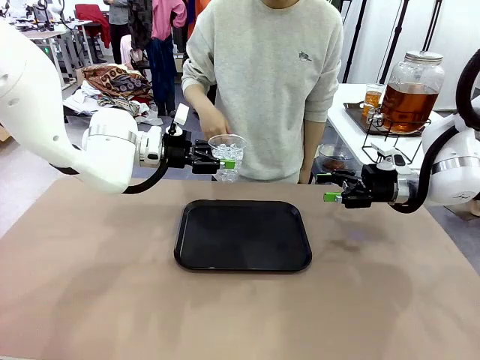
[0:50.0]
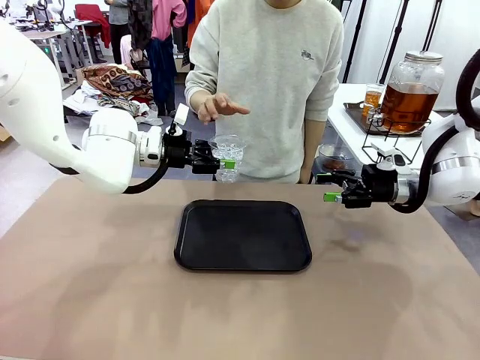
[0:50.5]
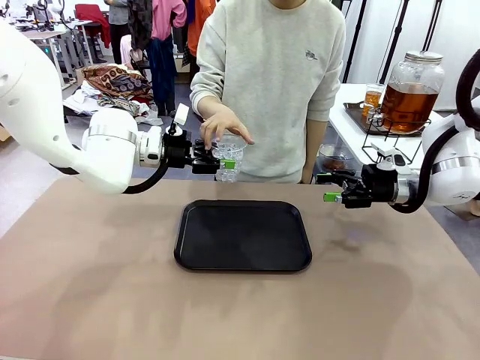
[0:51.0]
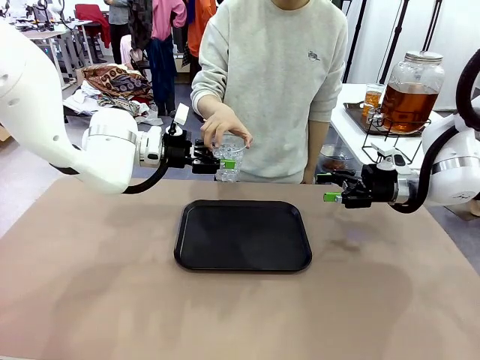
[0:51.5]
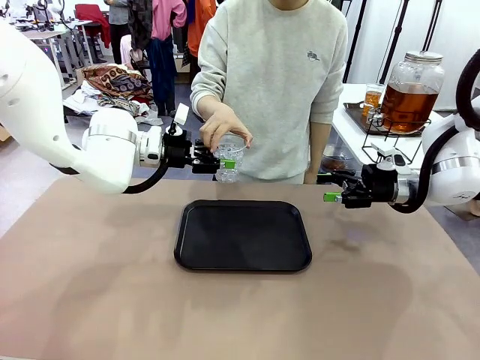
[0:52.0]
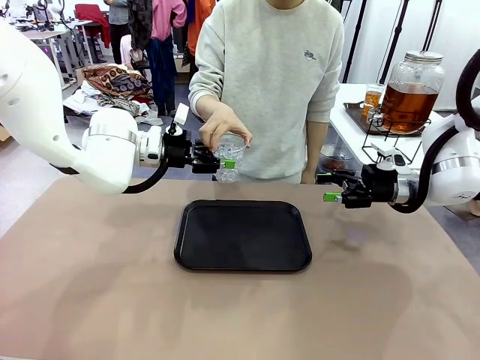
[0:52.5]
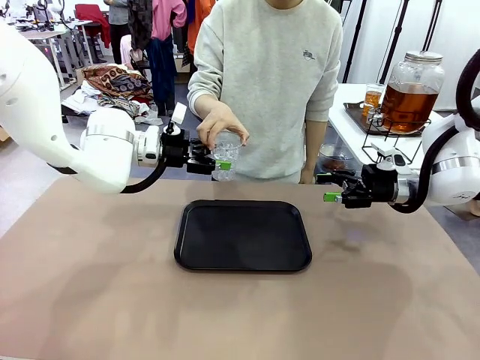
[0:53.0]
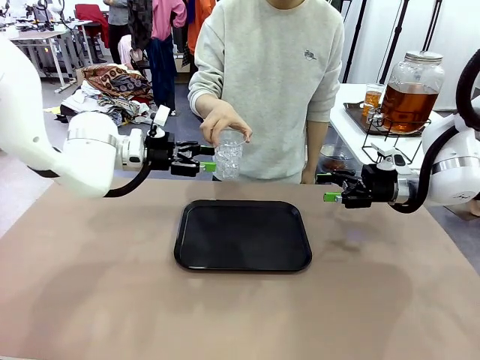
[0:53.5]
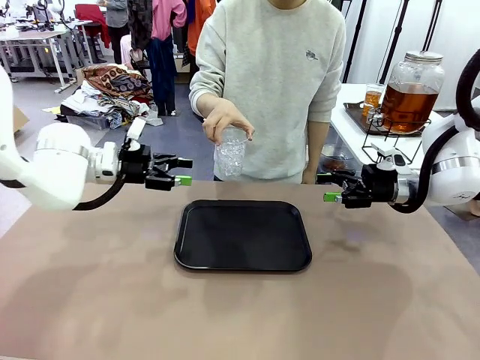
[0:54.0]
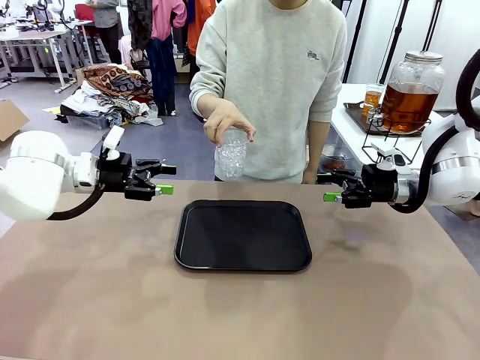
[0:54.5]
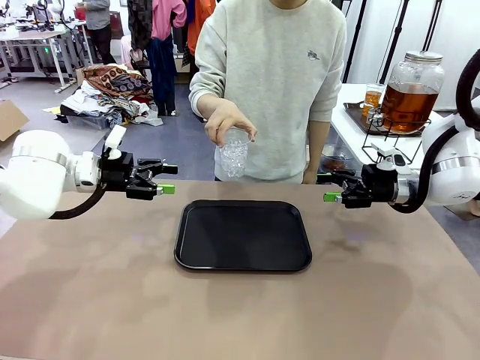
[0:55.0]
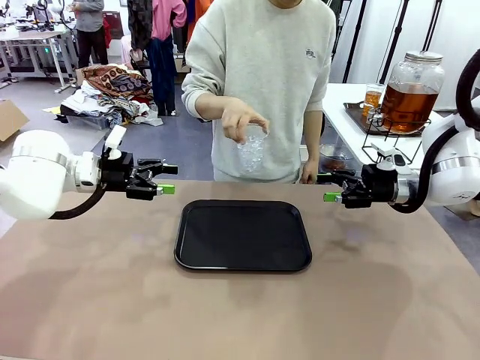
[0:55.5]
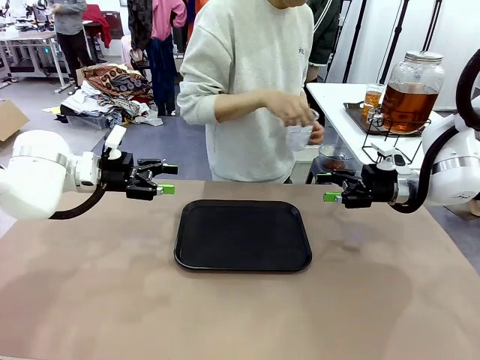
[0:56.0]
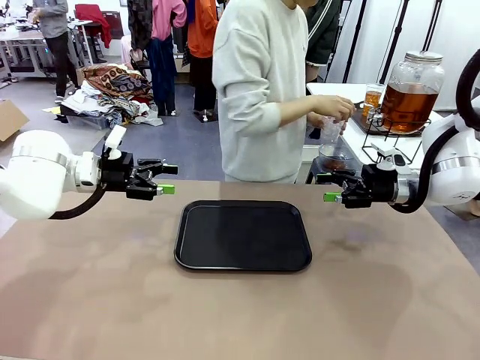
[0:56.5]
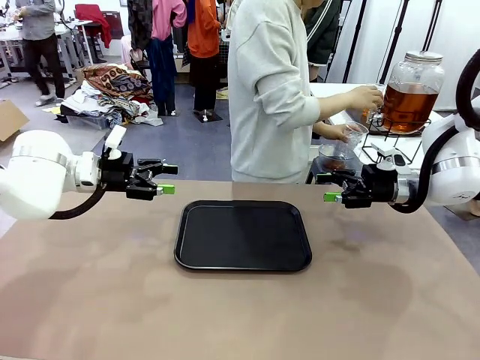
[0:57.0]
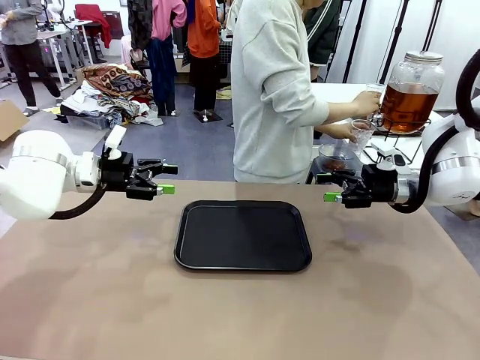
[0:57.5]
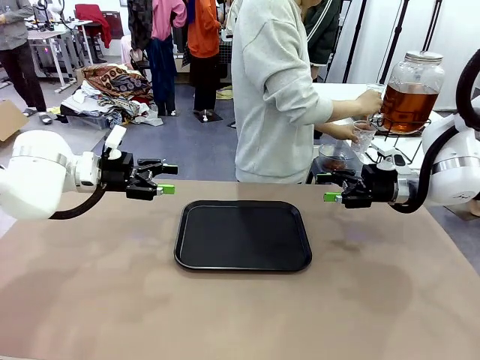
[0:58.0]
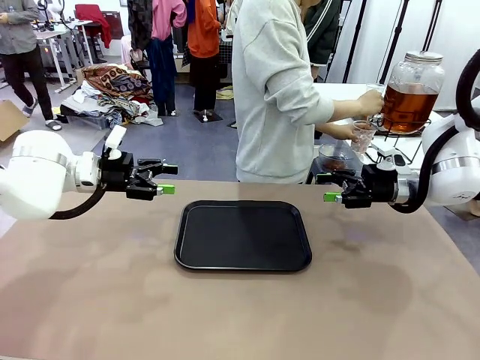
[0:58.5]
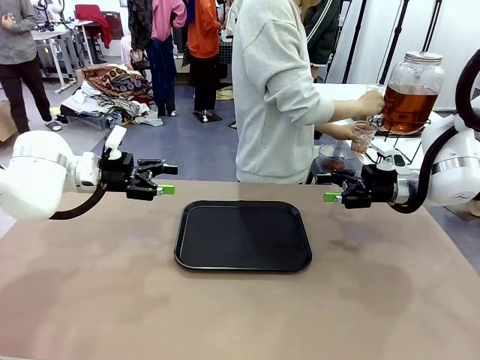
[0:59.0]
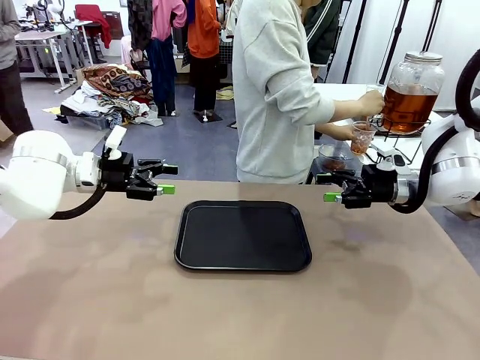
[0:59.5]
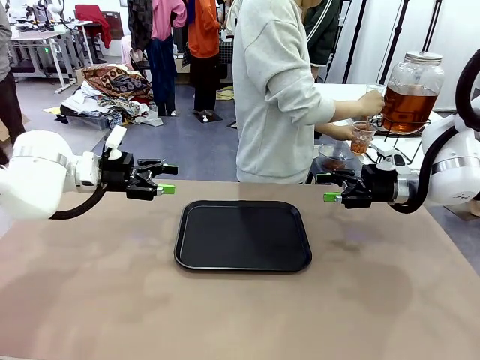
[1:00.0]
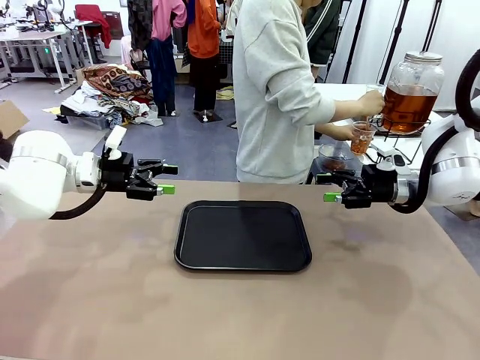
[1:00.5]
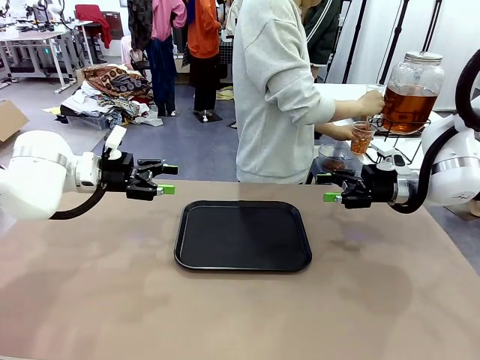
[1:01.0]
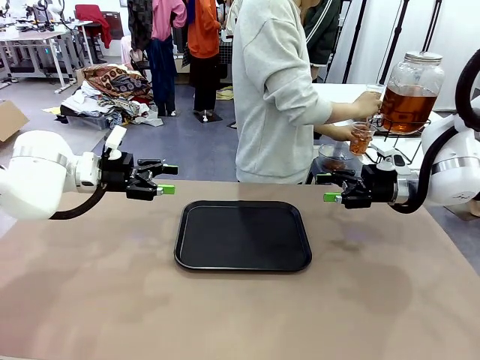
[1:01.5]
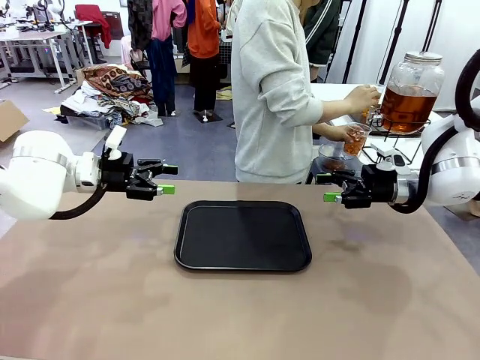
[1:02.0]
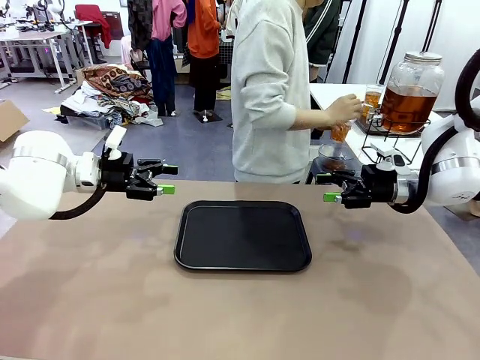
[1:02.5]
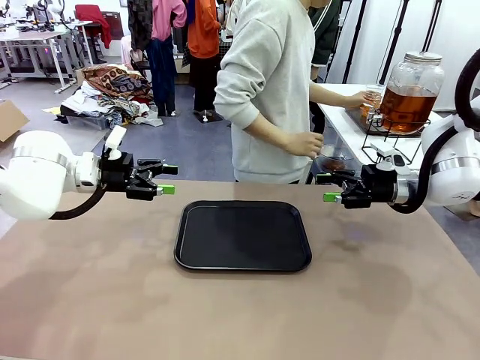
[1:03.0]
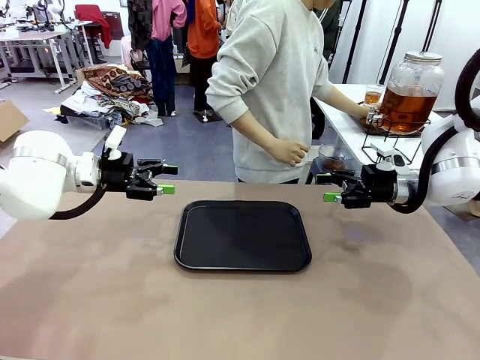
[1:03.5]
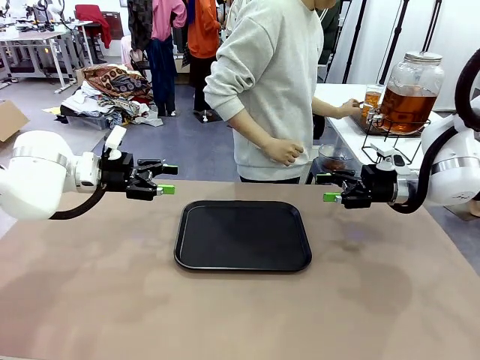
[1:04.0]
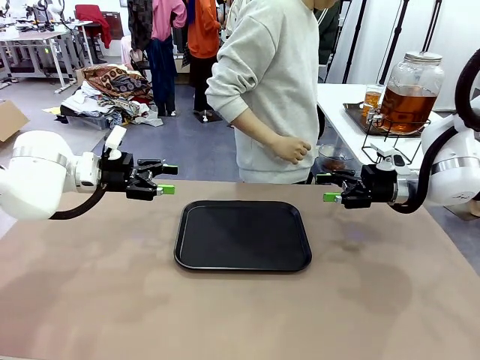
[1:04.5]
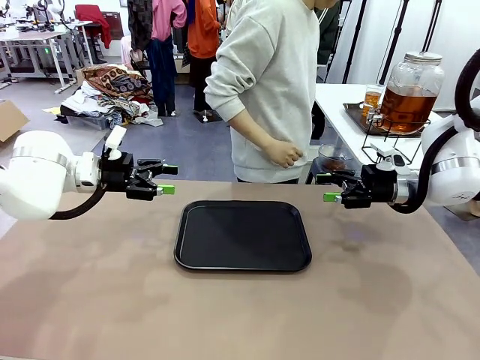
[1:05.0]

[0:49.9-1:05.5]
Task: Pour the drink into the iced cup.
Robot: Open the gripper to release the iced cup you were holding.
Person: Move the picked-up cup under the dispenser faucet, pour the drink, and place it on the tray on the human table.

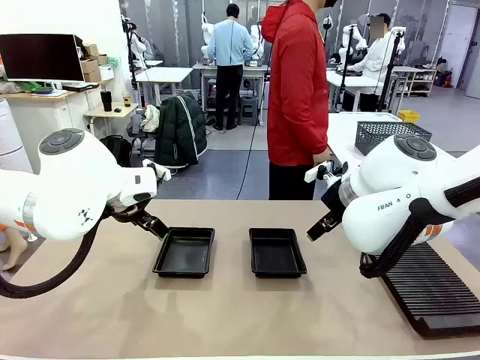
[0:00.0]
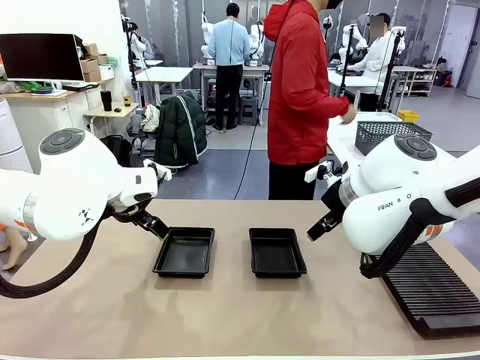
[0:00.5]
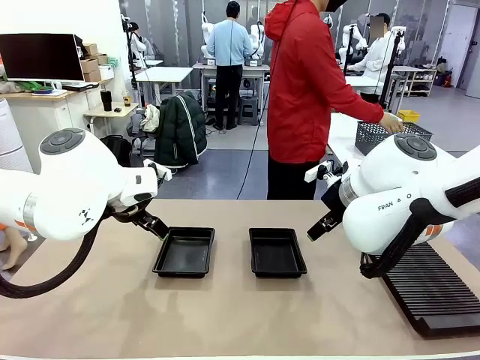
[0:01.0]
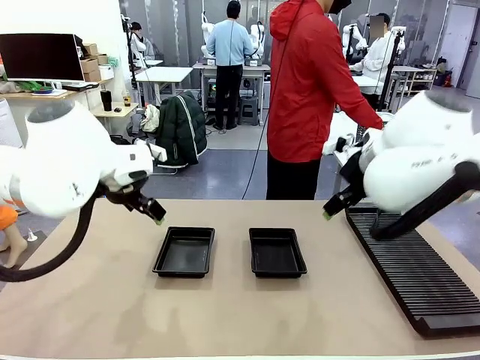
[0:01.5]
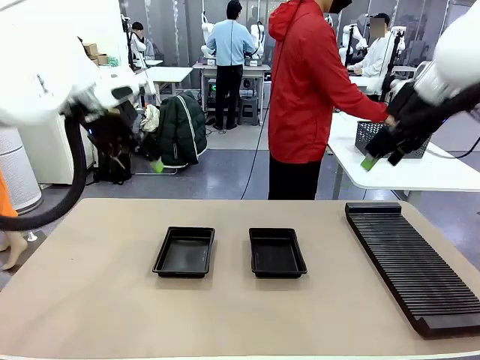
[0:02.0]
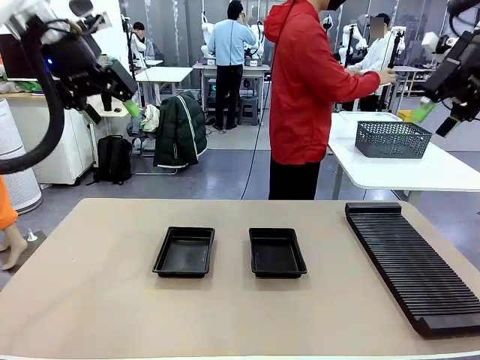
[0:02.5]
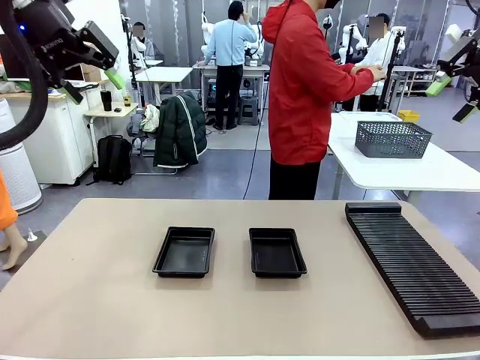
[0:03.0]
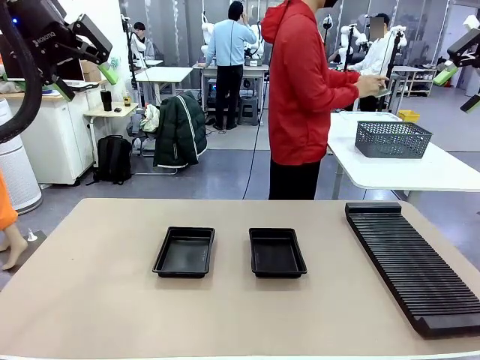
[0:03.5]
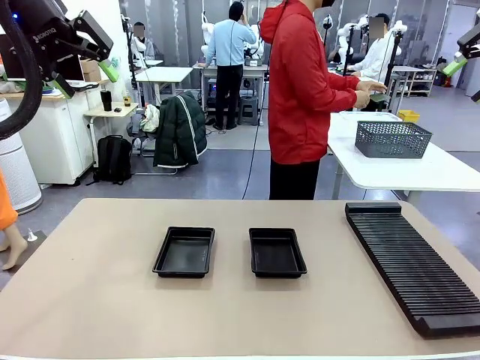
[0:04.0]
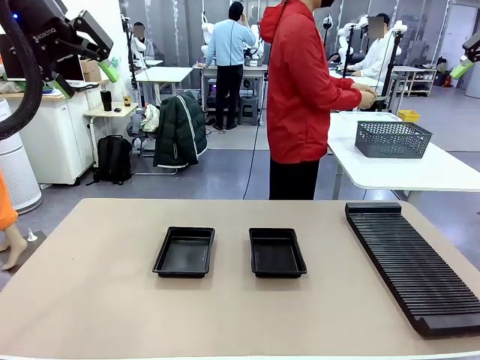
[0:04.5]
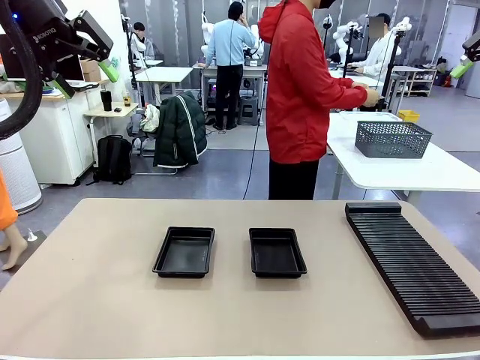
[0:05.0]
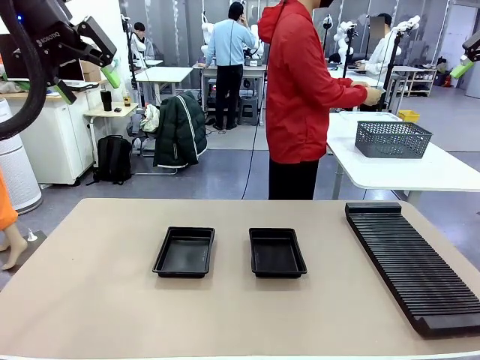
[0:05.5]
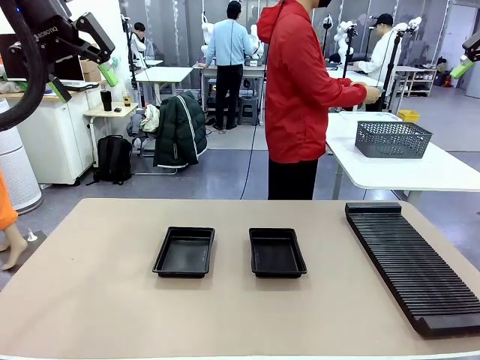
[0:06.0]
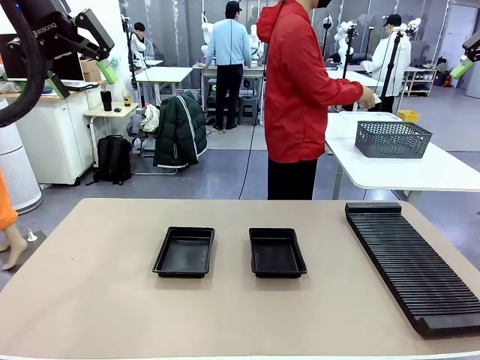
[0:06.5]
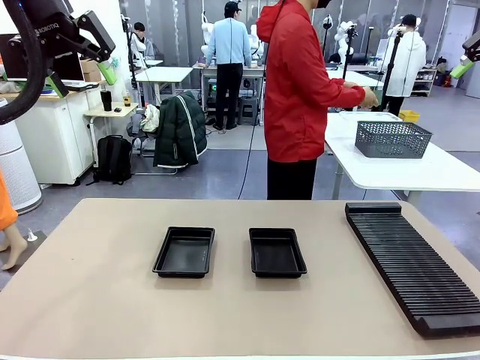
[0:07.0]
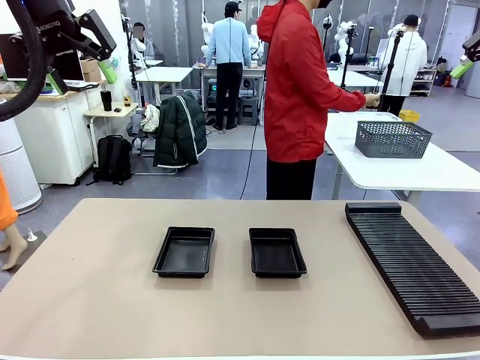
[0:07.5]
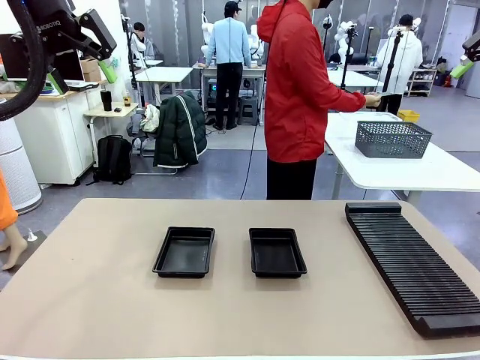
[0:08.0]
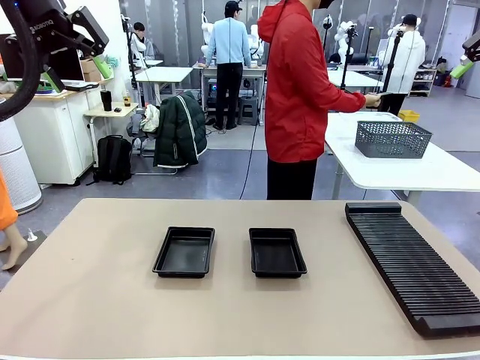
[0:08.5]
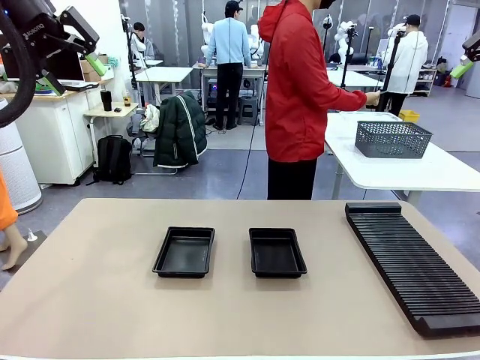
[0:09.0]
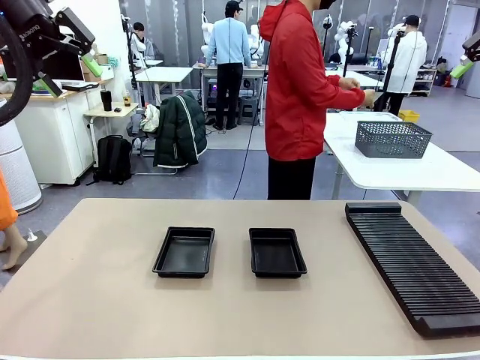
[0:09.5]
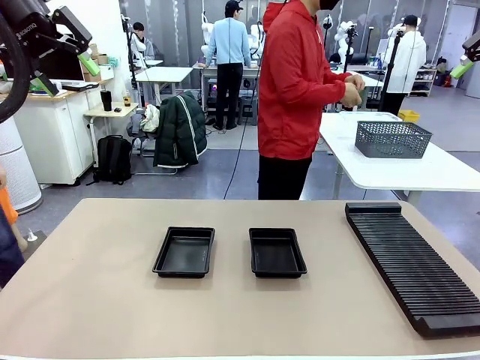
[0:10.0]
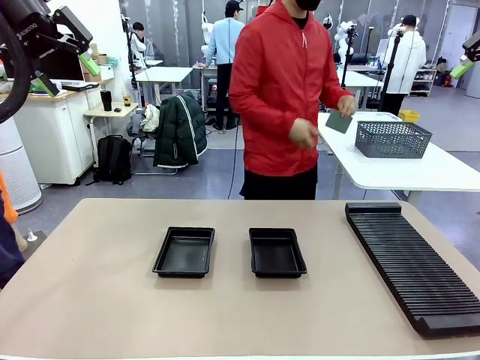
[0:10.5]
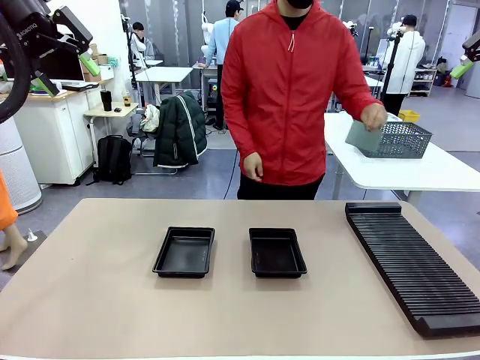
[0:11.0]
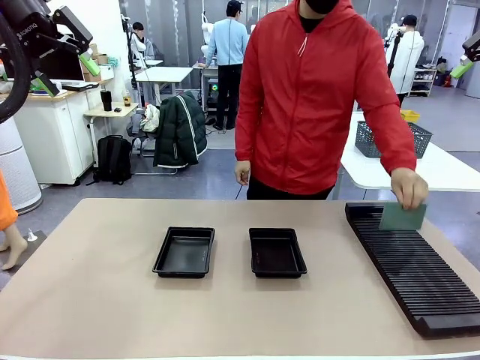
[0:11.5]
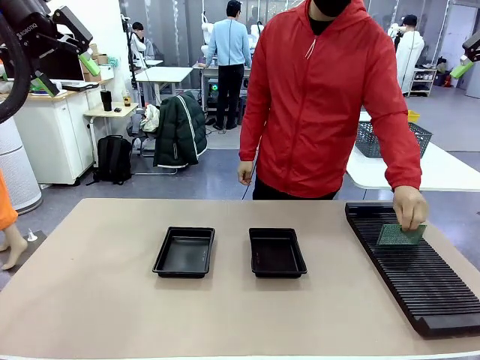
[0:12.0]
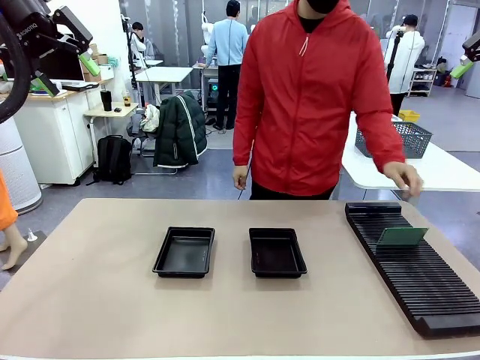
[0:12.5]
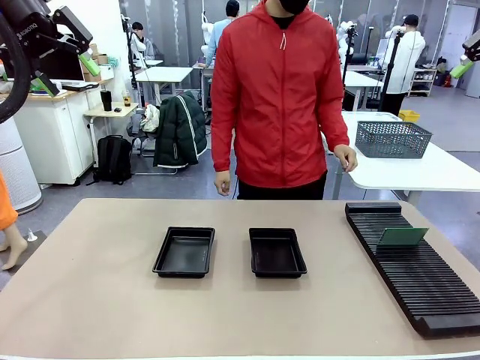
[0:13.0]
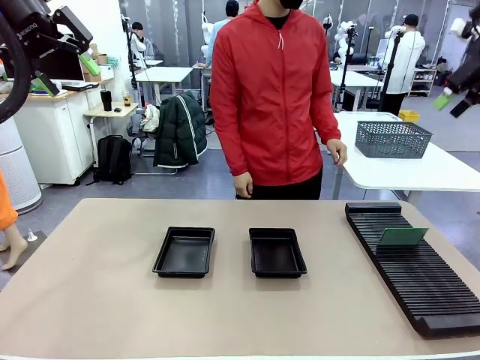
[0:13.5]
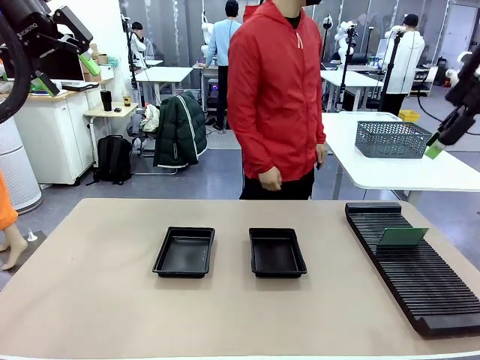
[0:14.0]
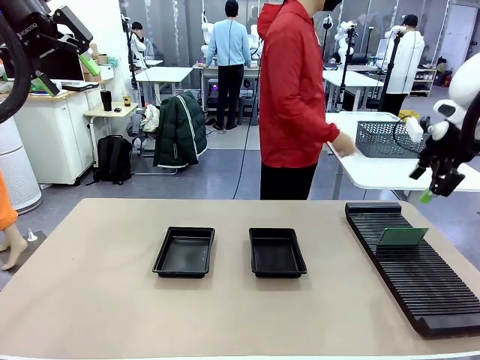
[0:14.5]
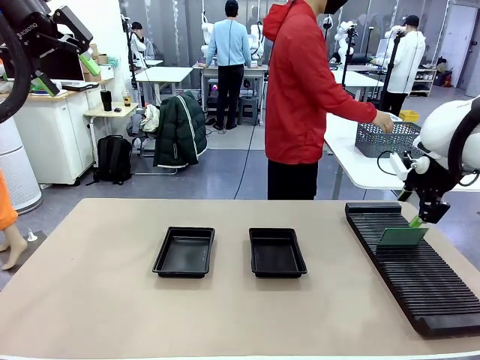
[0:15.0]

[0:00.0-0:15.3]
Task: Inspect and transfer BCBs to ESD trays.
Robot: Pick up the Blank PCB from the PCB Rack and place it in the left ESD tray.
